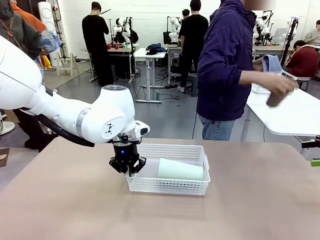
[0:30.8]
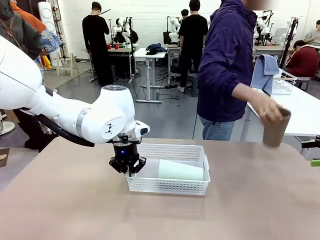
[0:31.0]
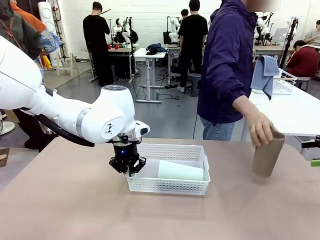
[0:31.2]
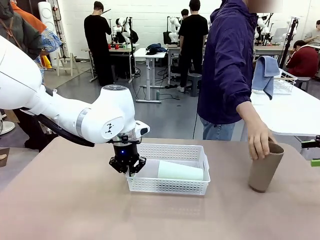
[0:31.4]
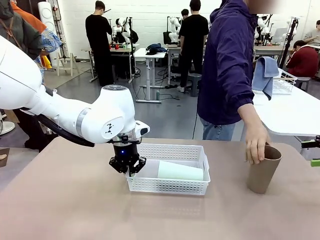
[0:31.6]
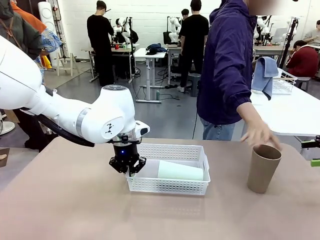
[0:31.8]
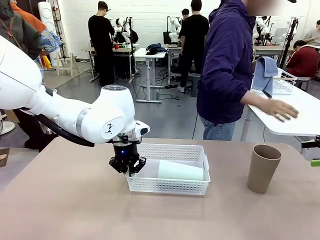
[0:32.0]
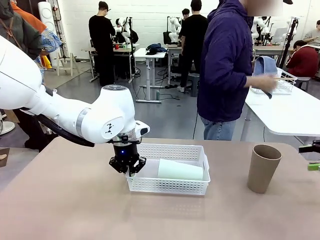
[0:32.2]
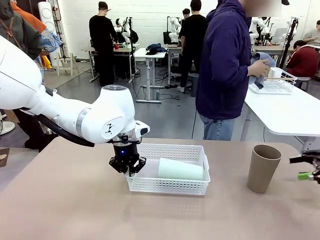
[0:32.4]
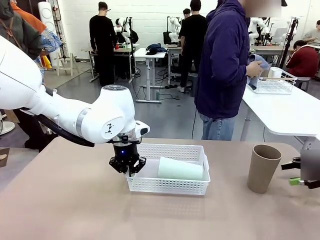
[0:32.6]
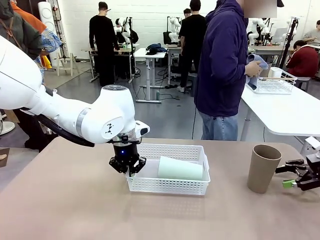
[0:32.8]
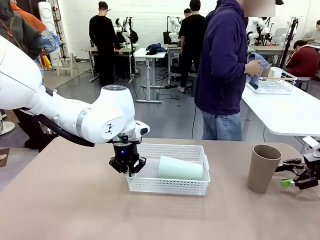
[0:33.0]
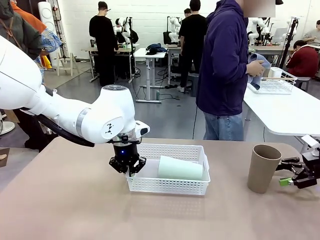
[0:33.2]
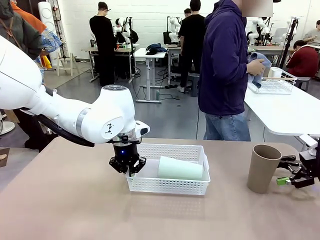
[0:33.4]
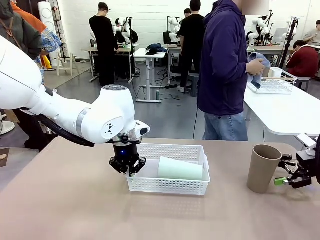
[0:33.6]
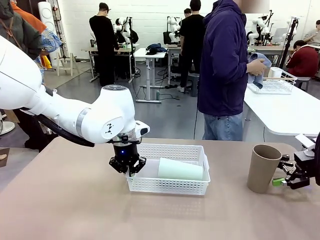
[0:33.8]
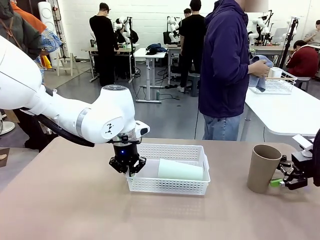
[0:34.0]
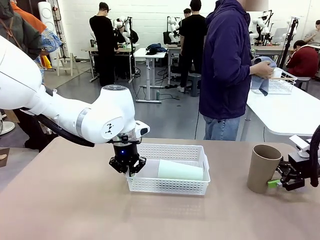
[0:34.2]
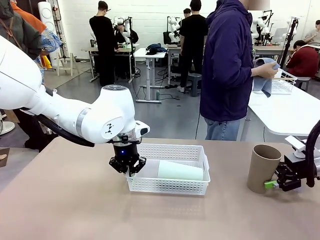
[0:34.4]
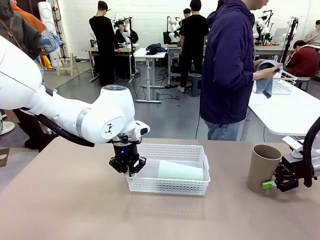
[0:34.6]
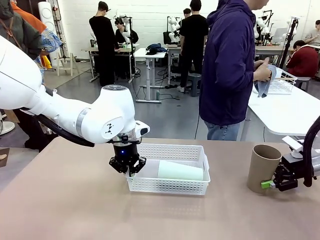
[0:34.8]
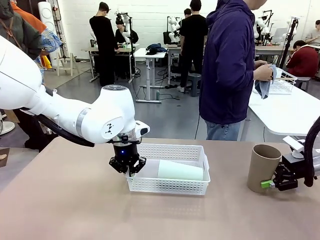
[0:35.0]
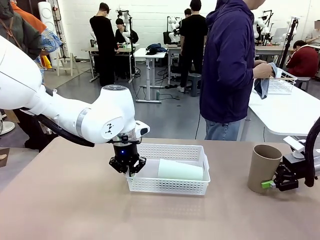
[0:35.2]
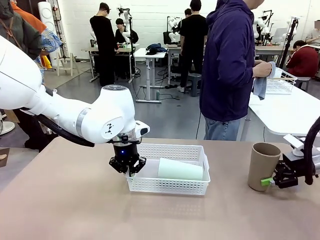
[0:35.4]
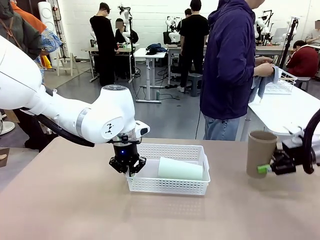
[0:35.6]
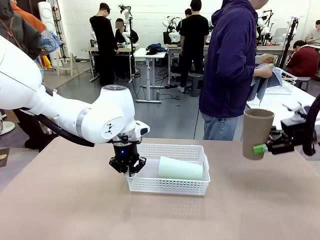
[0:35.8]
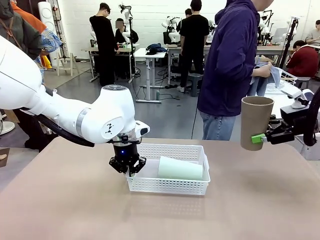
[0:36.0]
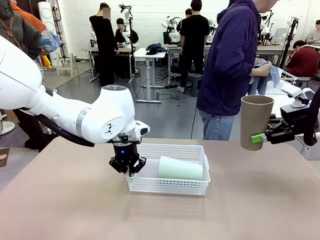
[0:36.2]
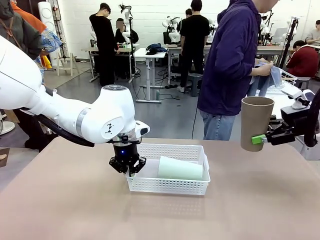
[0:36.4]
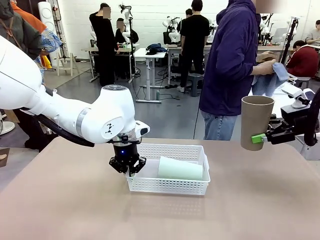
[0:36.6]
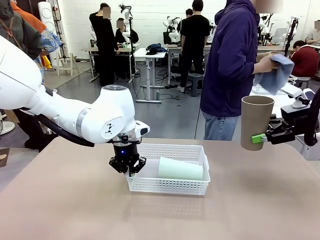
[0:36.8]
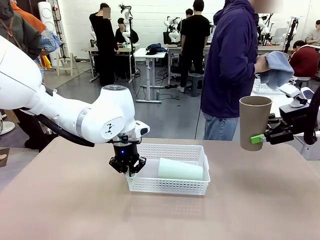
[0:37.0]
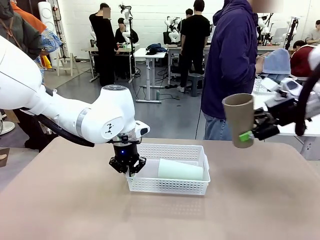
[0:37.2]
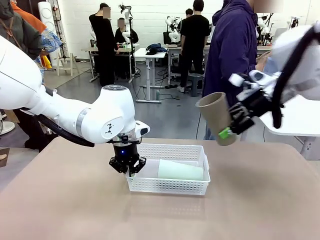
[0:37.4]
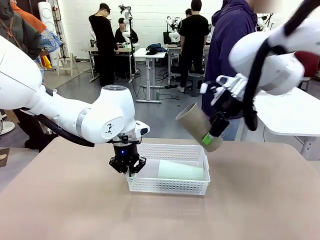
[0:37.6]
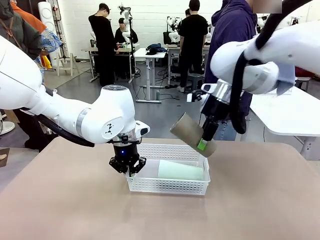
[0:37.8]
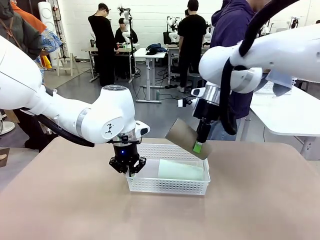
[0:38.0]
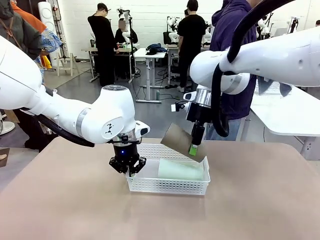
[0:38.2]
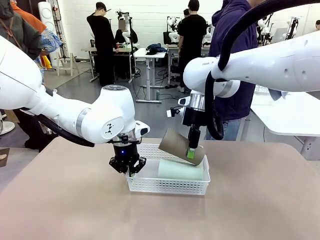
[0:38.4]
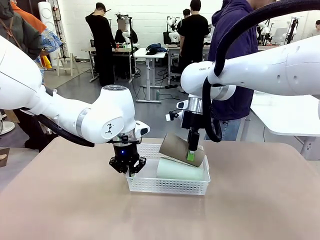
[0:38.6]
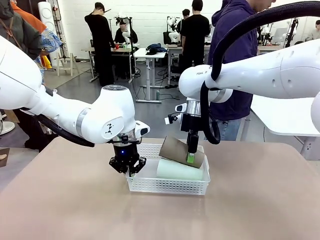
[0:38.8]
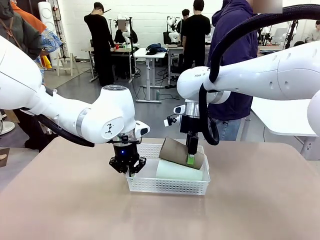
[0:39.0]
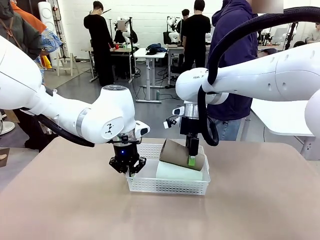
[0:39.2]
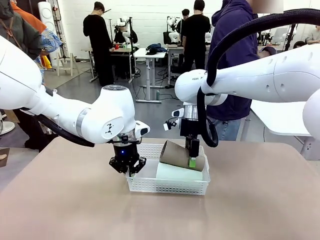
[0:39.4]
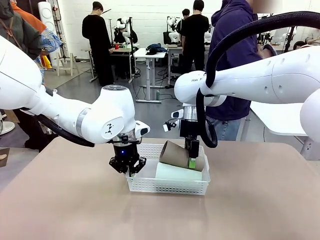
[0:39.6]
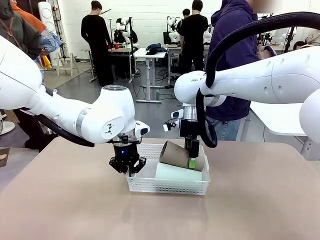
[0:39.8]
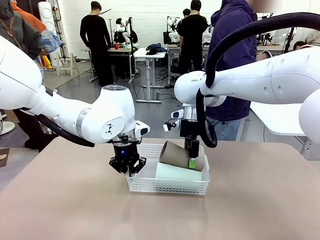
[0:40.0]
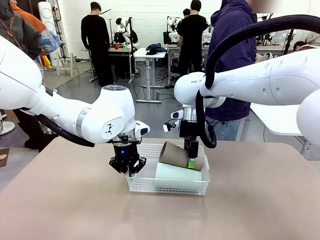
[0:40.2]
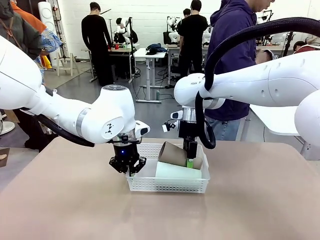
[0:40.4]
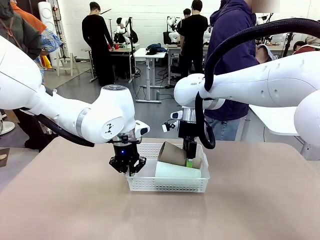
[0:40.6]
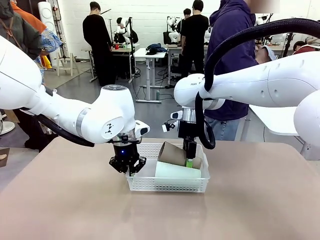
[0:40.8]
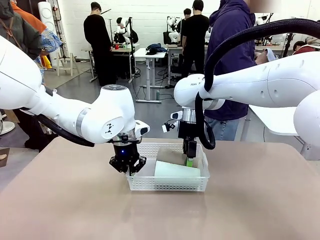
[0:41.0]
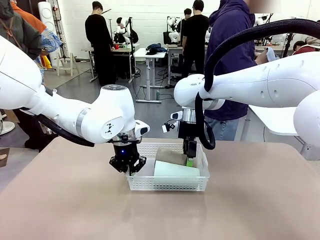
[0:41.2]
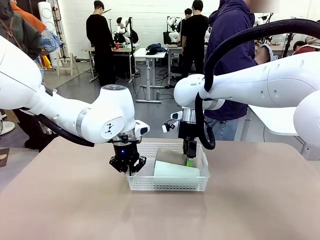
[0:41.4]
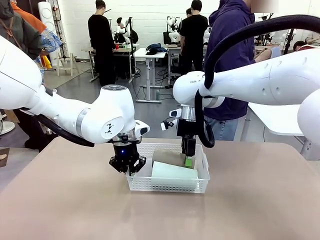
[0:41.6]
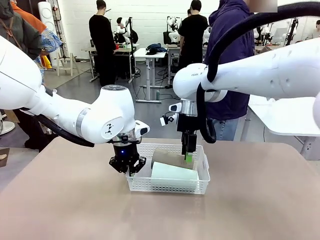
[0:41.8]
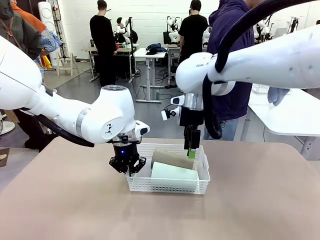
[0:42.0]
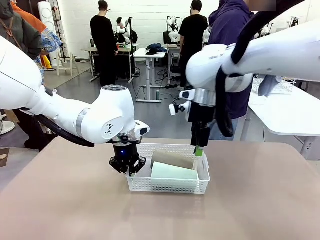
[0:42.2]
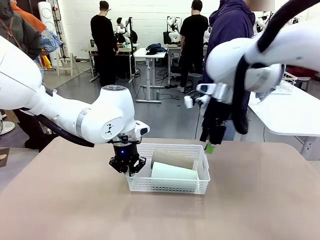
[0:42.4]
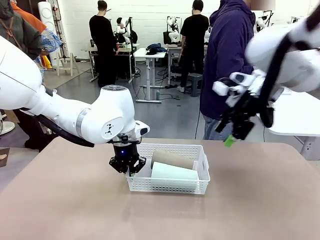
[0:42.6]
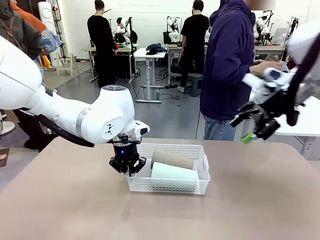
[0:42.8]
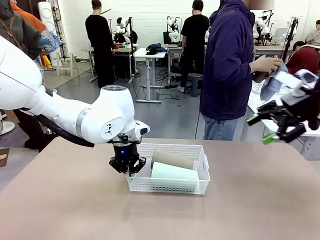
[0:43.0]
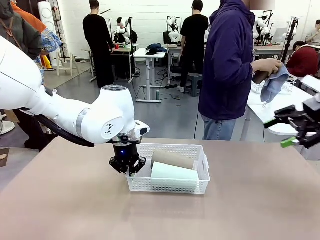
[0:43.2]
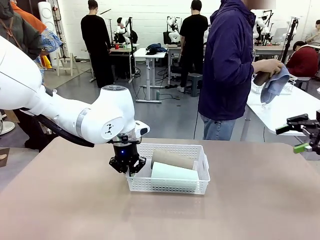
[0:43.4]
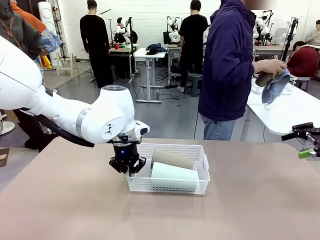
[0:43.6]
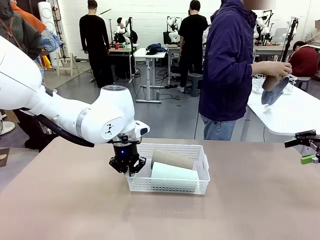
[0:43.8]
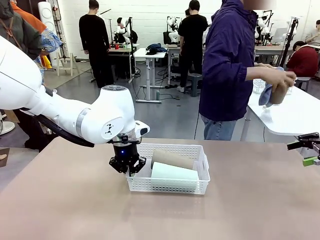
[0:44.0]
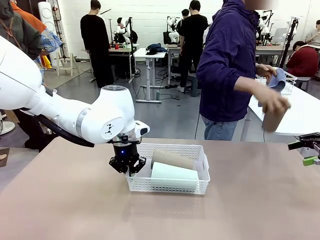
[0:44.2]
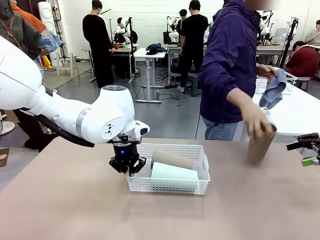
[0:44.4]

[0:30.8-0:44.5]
Task: Clean and organize the cups into the basket.
Robot: Pick up the Reusable plastic cup from the right side of the table and stack it inside the Organizing basket in the center of the table.
